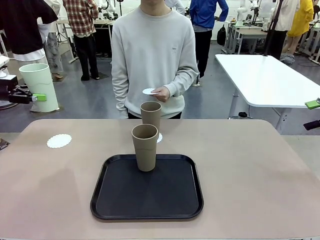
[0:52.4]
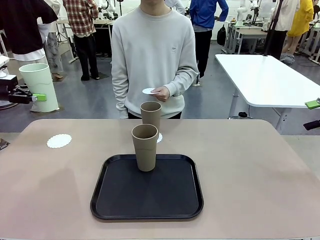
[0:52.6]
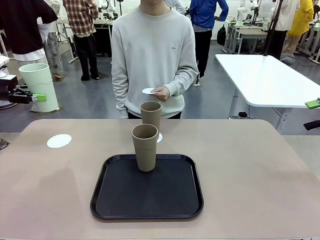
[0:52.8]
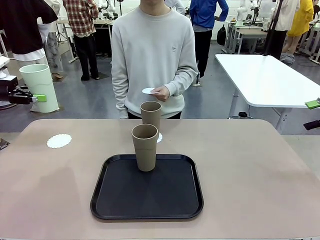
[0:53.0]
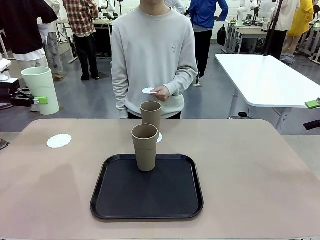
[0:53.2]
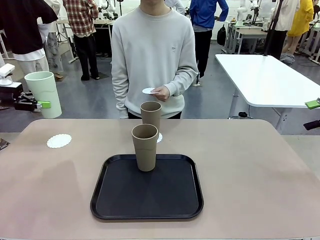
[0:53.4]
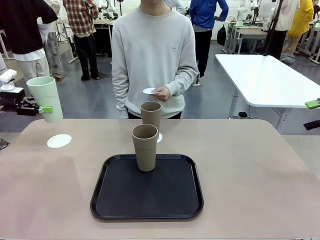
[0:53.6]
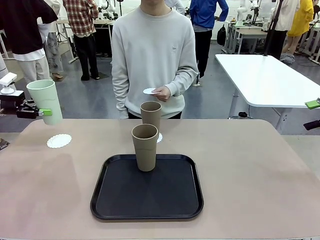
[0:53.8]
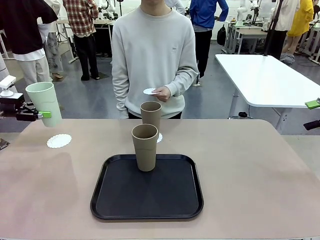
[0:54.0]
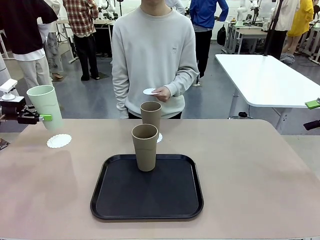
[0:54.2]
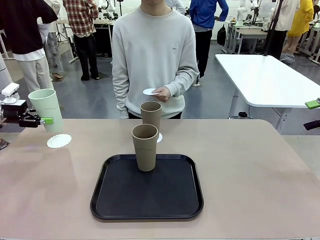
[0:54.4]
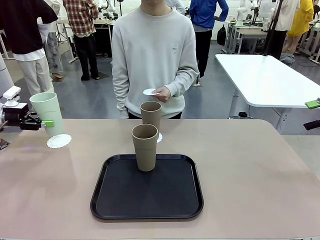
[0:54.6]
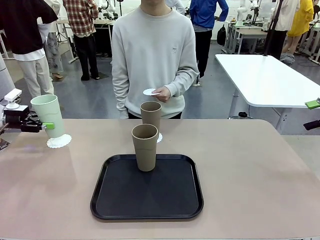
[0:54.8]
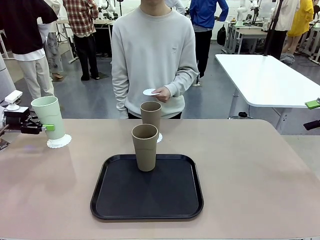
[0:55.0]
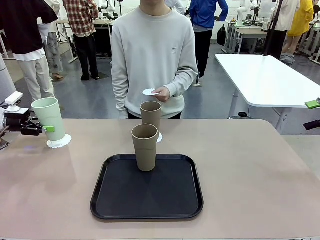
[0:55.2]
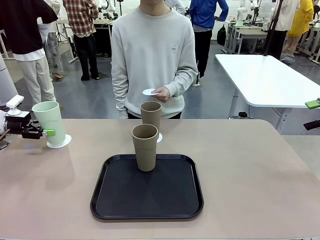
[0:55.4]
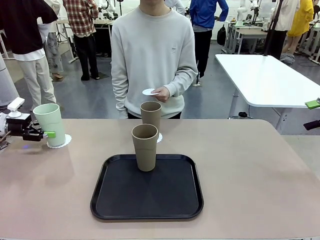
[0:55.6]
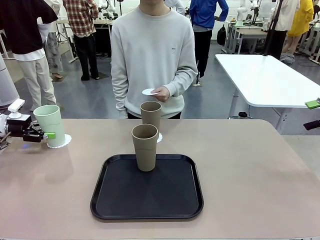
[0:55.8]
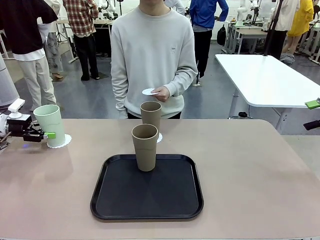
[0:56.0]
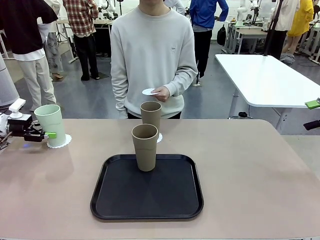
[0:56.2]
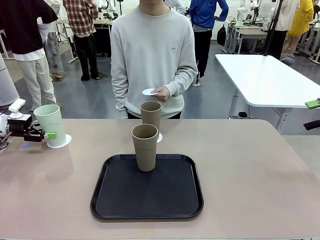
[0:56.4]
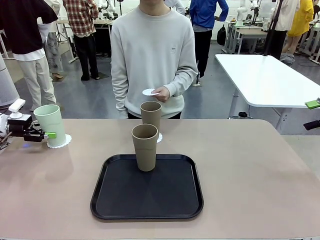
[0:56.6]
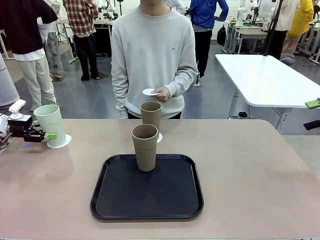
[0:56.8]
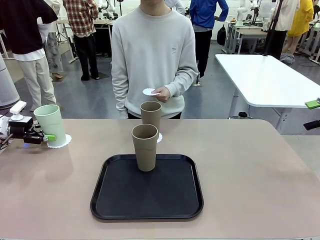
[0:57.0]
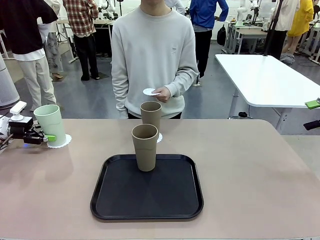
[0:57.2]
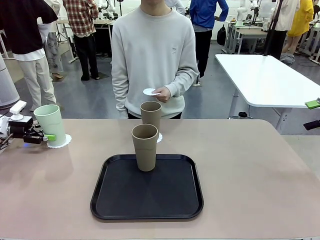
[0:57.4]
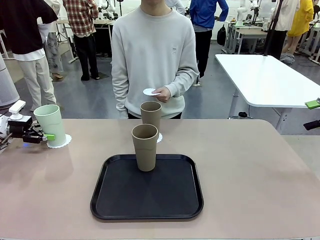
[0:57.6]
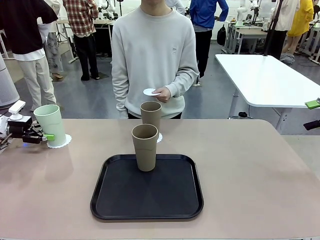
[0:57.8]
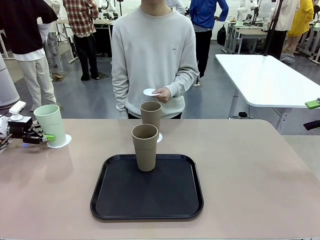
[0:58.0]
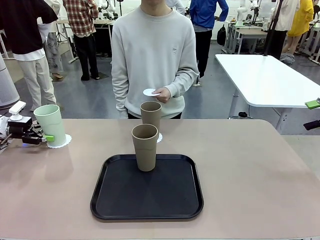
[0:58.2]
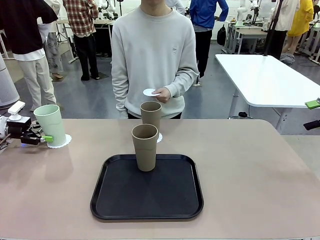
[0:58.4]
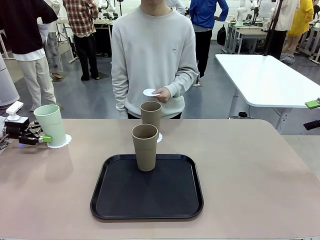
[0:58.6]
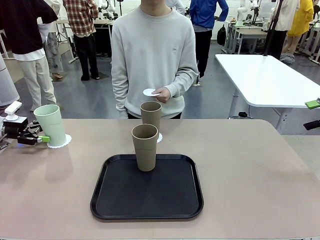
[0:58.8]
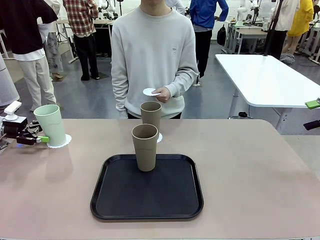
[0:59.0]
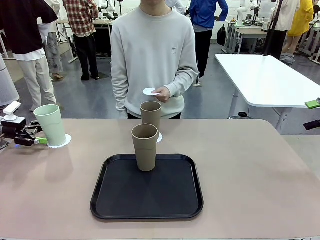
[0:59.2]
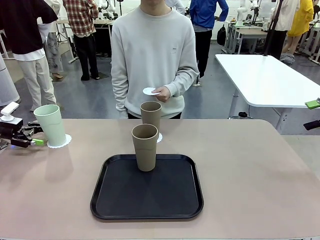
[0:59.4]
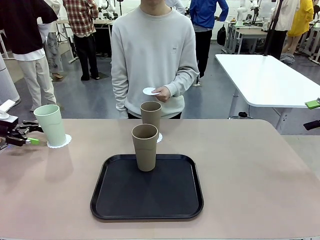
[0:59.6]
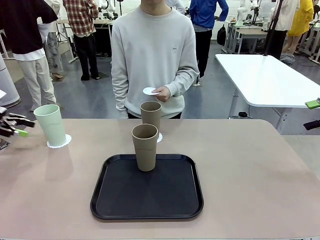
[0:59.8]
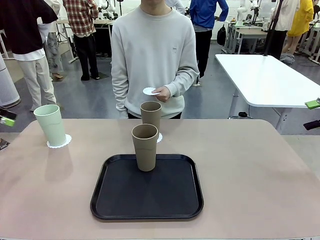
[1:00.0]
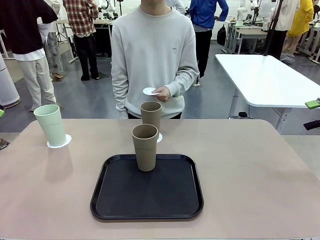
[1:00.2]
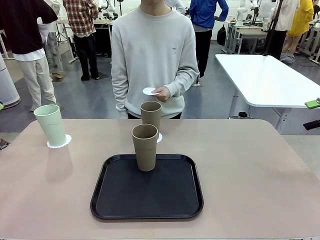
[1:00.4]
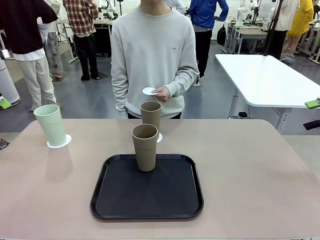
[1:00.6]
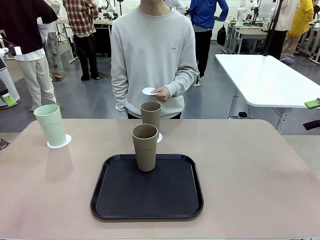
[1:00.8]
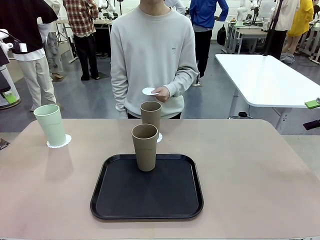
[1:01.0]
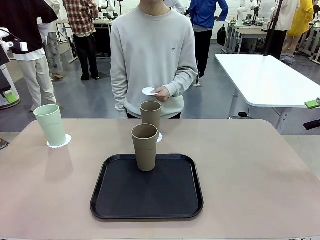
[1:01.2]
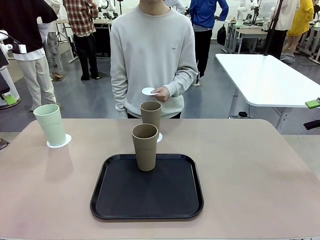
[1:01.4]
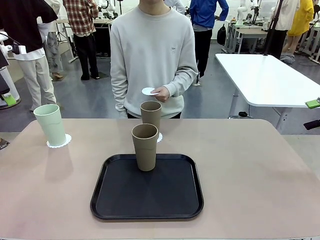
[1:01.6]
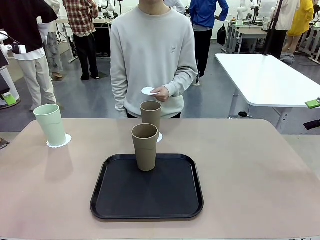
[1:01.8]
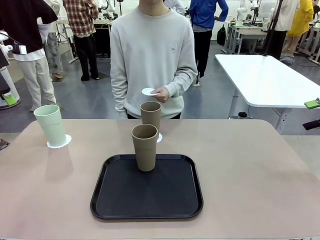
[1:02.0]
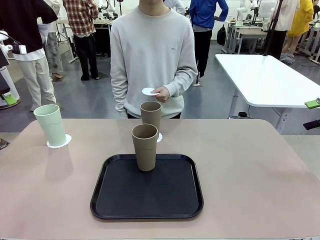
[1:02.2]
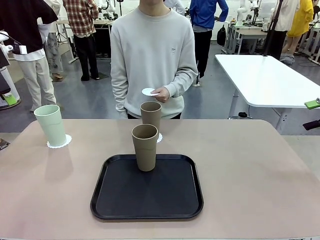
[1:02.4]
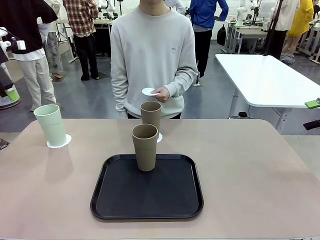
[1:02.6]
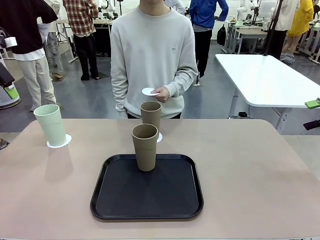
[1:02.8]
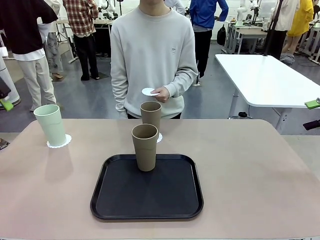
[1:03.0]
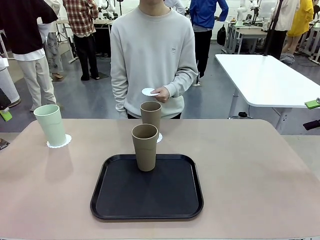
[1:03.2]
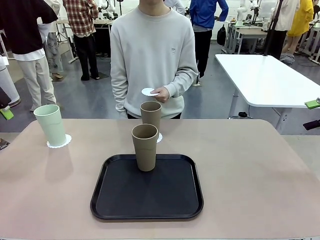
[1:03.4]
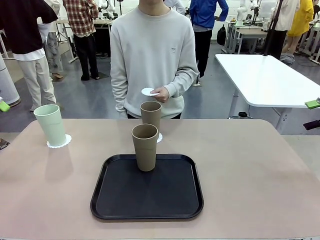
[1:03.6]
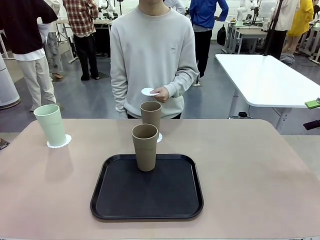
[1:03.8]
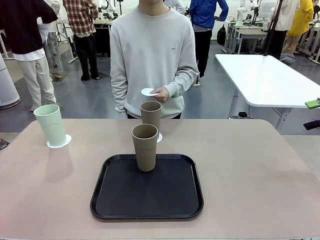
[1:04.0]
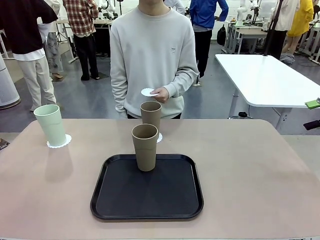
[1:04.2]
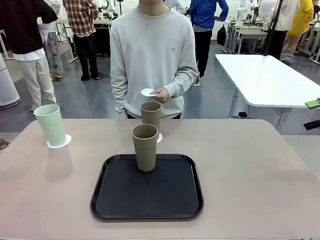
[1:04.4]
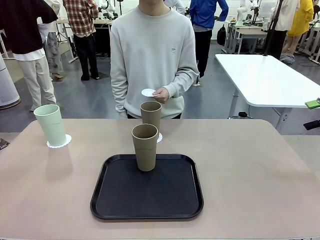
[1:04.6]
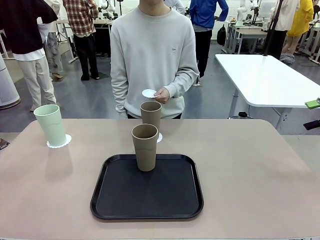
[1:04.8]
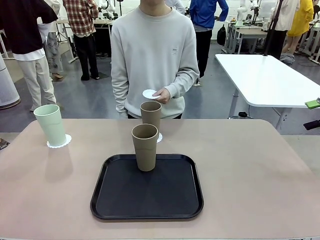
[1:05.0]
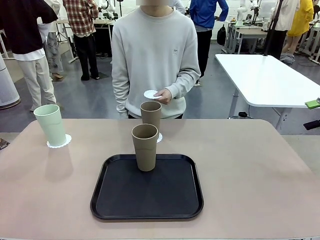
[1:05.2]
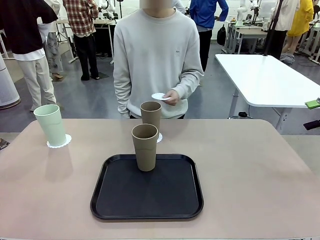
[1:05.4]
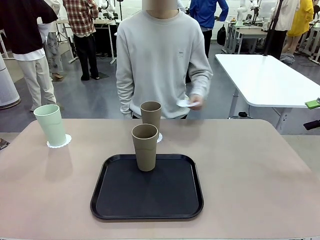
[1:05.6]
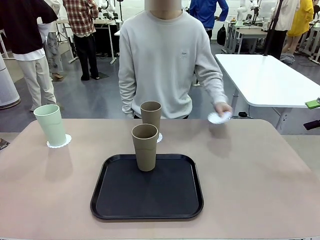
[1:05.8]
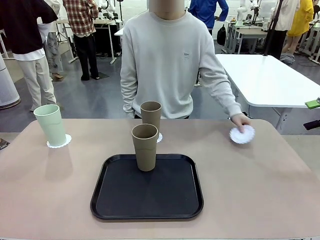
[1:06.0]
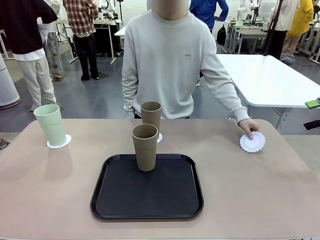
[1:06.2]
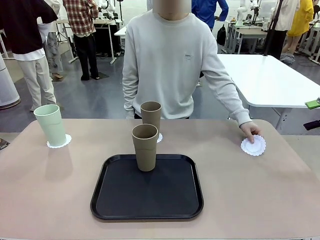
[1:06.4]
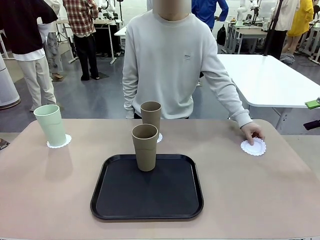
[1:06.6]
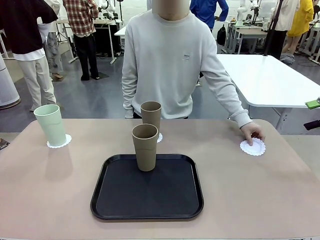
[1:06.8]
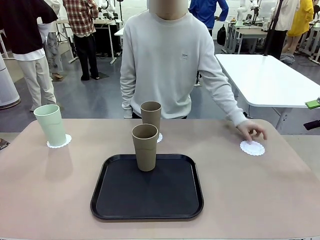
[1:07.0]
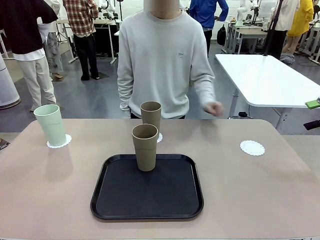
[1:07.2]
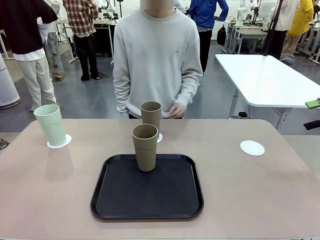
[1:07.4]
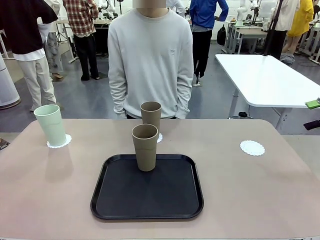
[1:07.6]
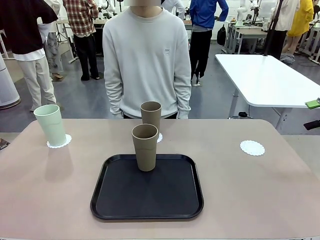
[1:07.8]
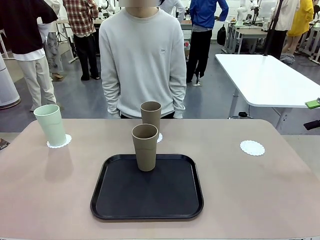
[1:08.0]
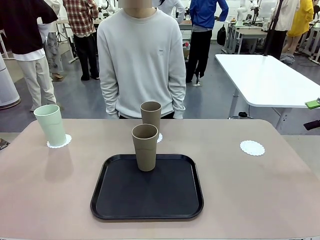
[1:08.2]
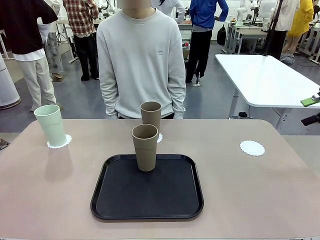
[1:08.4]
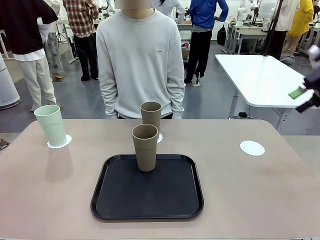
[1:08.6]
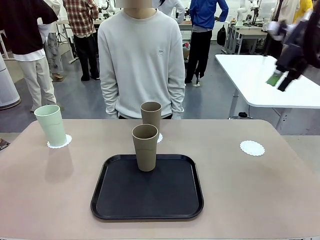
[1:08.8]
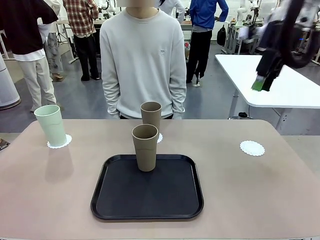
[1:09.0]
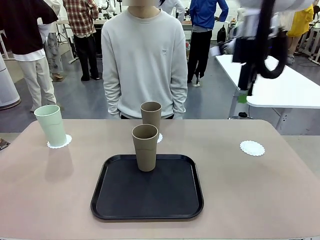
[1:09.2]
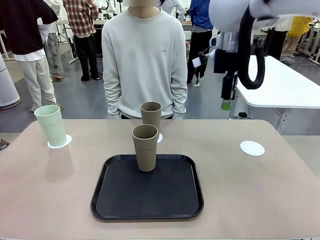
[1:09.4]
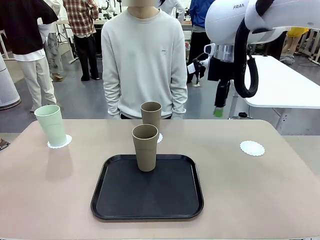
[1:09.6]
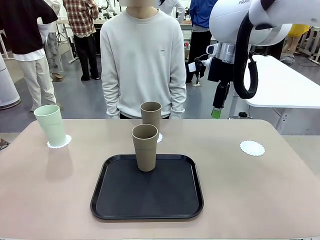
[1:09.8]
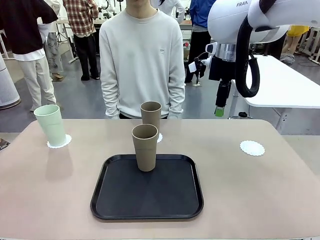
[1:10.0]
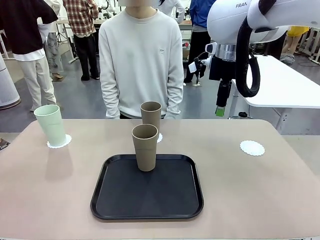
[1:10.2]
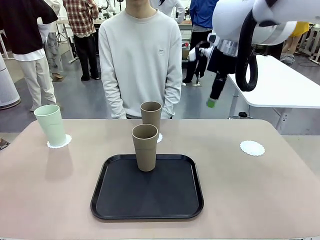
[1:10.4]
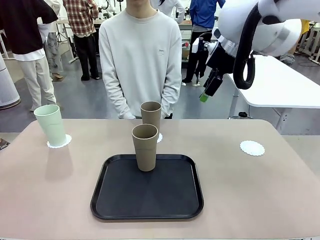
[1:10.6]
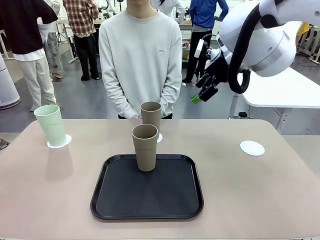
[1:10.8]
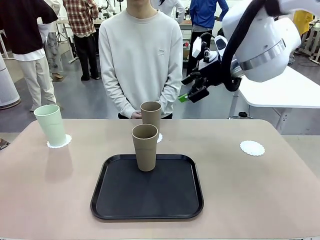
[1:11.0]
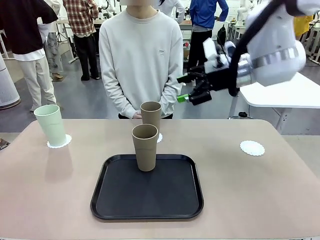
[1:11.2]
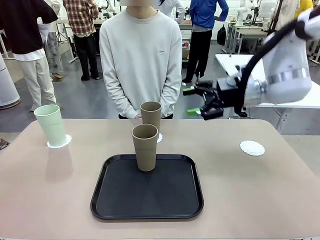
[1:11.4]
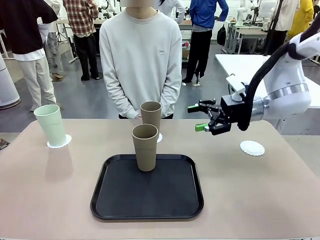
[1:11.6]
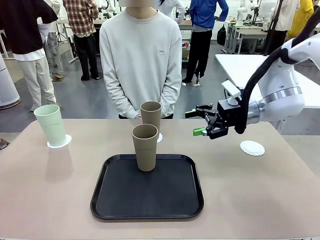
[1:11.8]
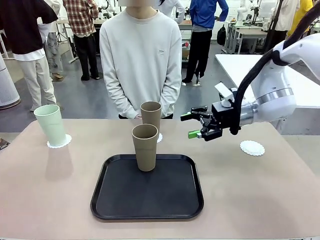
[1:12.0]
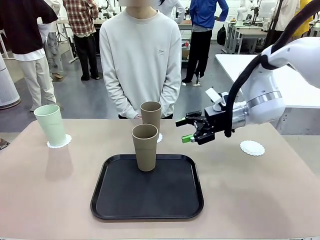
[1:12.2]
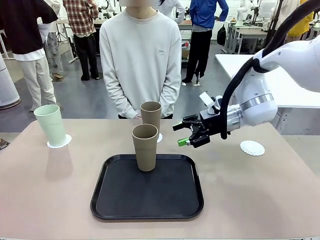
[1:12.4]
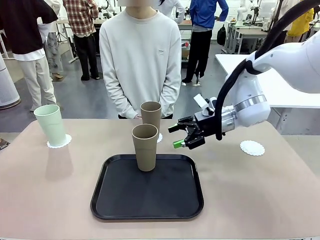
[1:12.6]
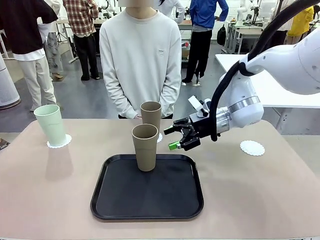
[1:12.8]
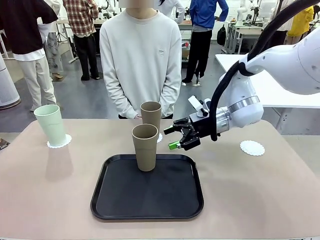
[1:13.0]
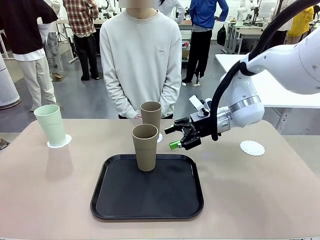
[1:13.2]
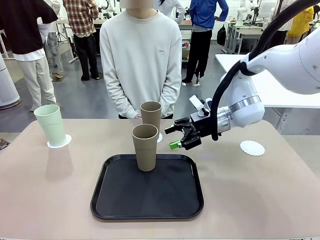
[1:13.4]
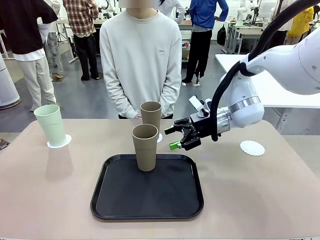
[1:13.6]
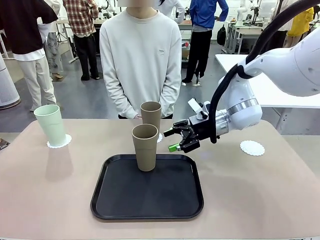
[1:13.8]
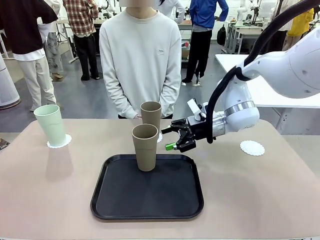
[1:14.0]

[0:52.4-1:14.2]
Task: Place coasters on the table and set cups on them.
Robot: Take one Reusable plastic cup from the Flat Tray and place it on a coaster set by the human.
